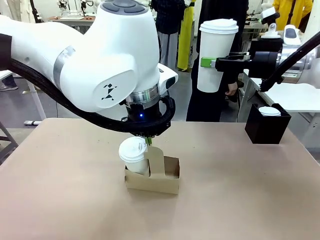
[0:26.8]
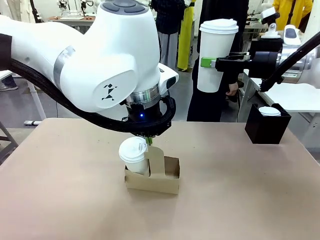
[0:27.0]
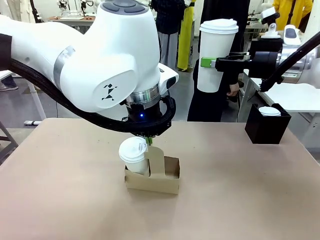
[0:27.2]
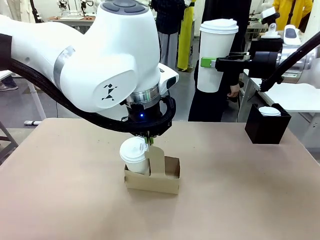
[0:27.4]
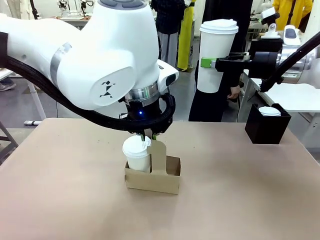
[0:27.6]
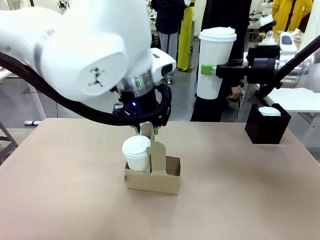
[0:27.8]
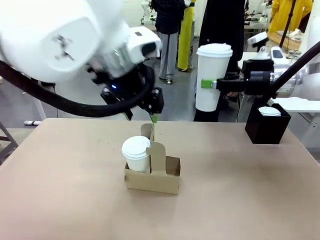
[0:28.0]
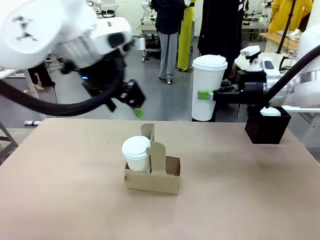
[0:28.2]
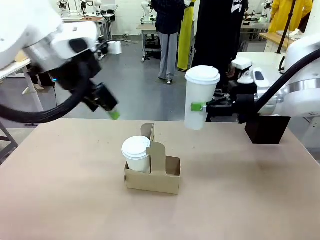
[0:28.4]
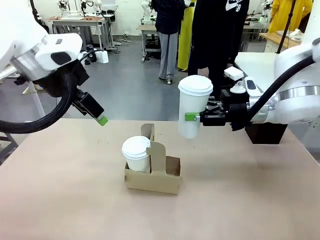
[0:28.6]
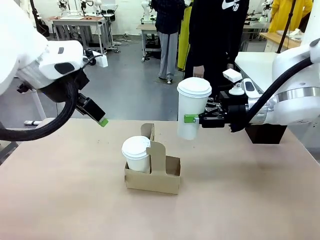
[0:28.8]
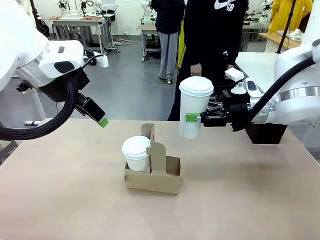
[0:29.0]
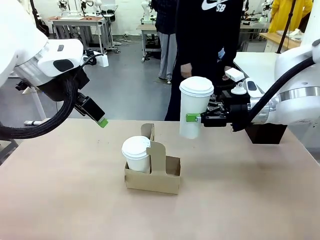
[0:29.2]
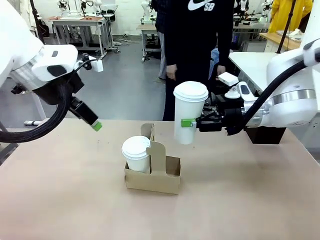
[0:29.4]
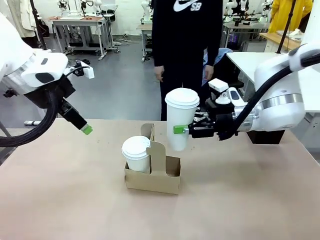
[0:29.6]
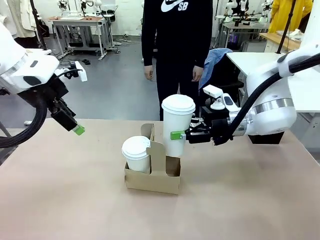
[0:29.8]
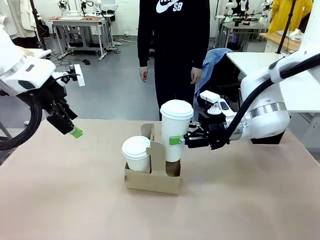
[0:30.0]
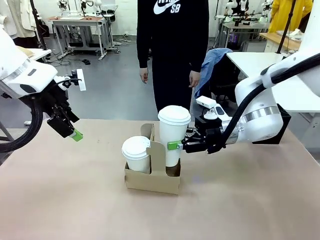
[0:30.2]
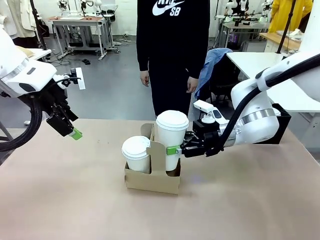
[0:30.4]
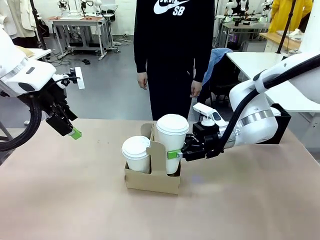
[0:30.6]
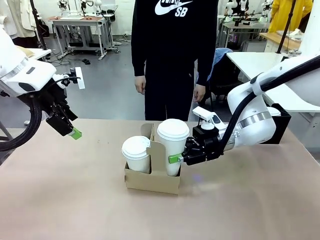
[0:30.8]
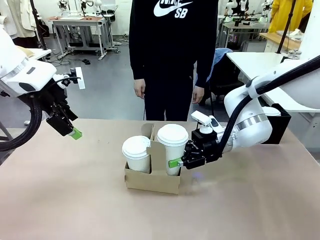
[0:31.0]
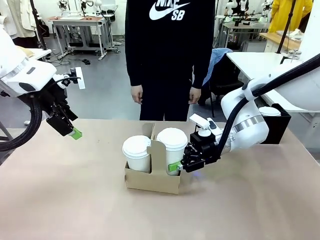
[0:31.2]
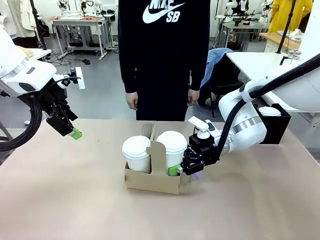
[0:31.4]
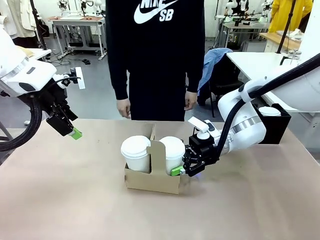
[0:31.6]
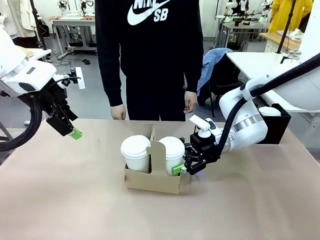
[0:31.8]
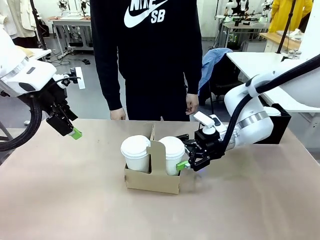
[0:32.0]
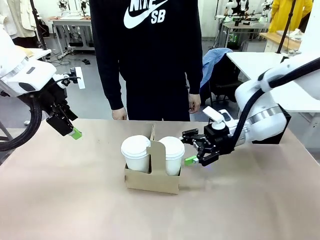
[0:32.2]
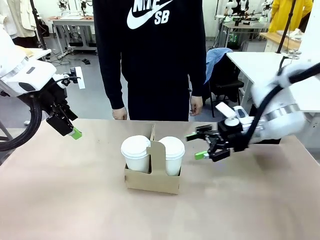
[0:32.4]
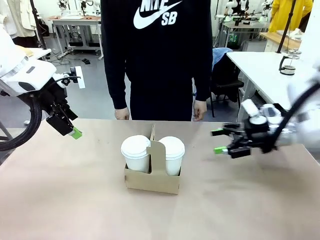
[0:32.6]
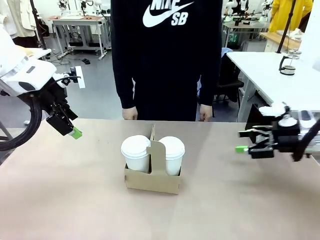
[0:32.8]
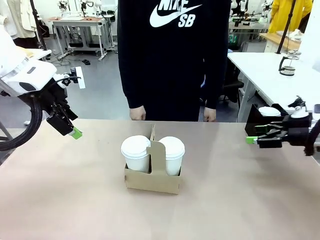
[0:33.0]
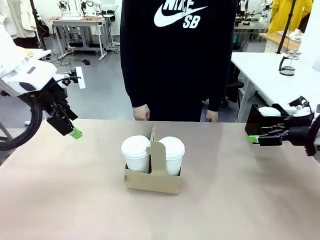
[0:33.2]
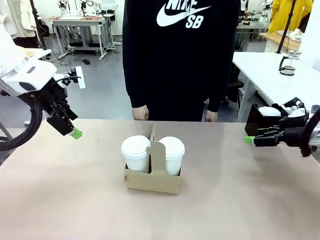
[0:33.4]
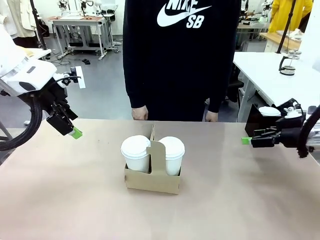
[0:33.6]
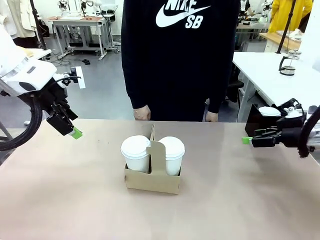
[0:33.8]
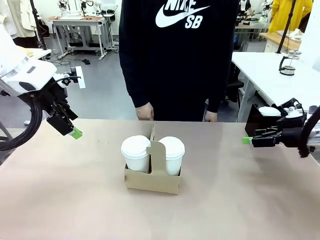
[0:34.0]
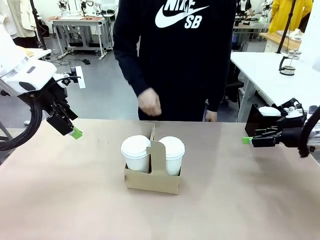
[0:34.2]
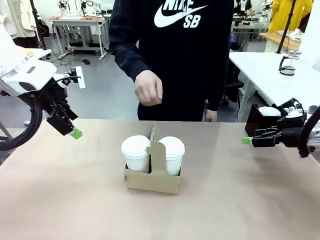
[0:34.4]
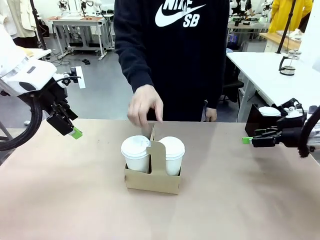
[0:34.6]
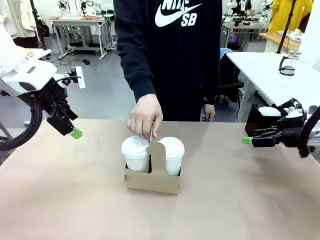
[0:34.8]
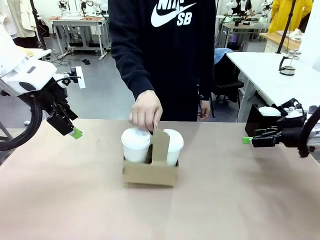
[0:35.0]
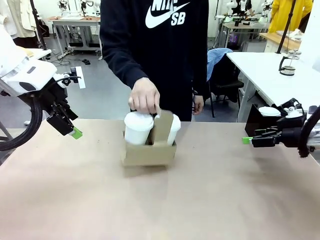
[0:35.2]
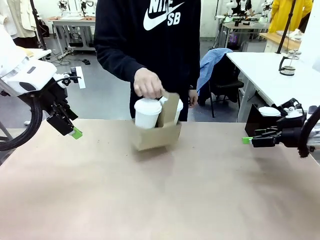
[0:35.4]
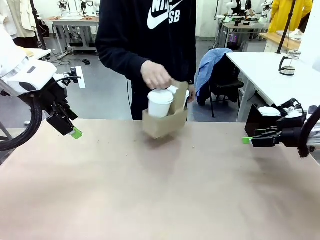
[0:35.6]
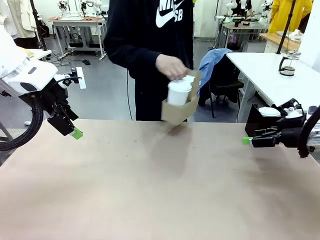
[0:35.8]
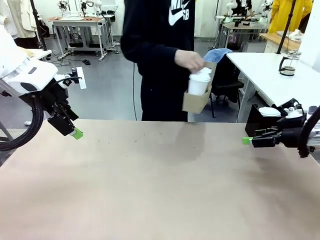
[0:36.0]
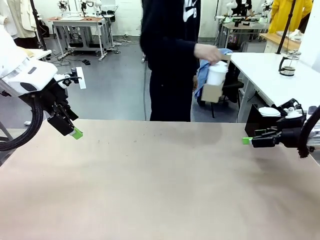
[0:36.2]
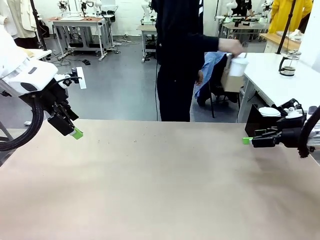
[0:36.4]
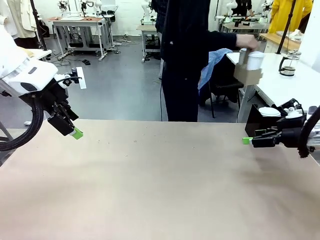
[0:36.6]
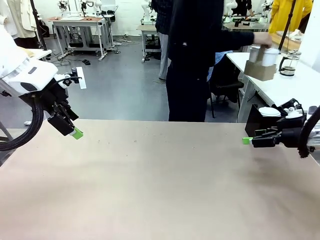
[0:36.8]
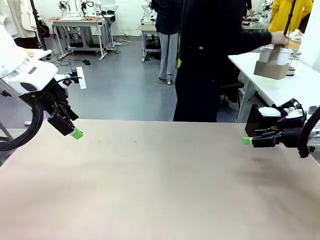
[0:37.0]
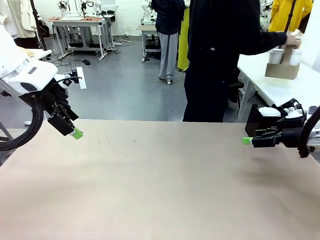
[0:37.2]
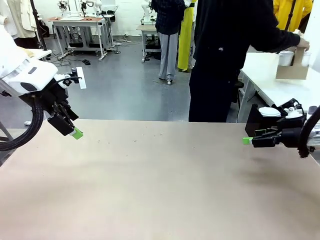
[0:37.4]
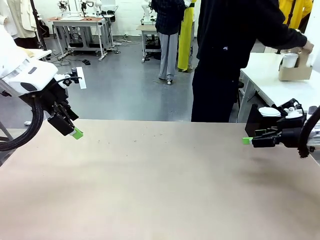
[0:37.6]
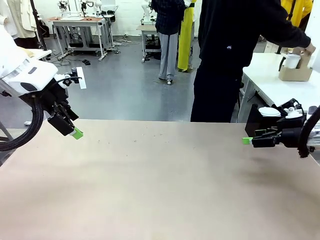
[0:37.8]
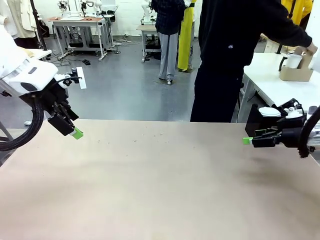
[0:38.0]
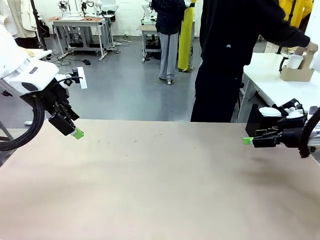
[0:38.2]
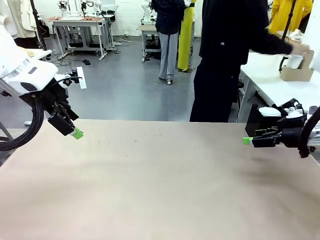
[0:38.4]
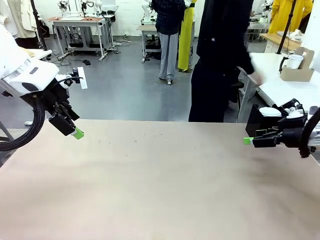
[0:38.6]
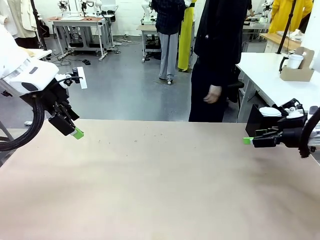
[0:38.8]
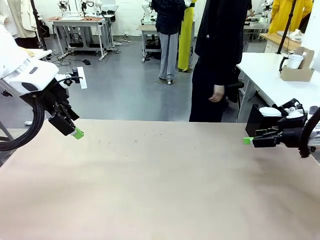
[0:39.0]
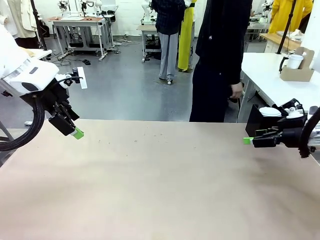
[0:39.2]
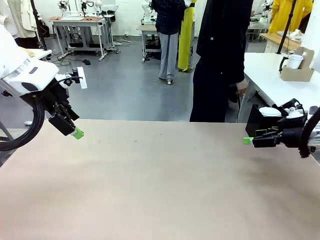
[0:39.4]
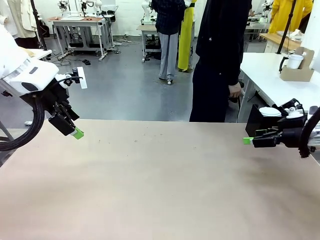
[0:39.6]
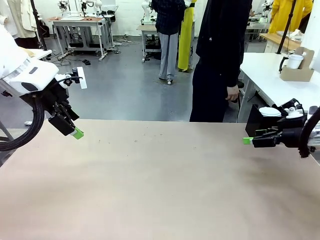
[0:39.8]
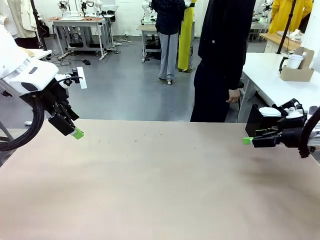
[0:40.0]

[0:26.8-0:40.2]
Task: Pour a drink into a cup and package it in a carrier.
Robot: Insert the held 600 ml Paper Cup into the Cup Carrier.
Person: Place the Cup Carrier to the middle of Human table.
